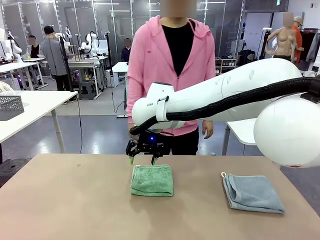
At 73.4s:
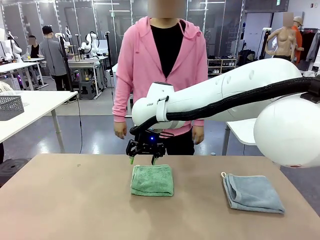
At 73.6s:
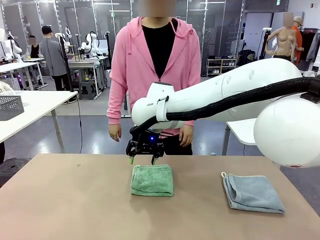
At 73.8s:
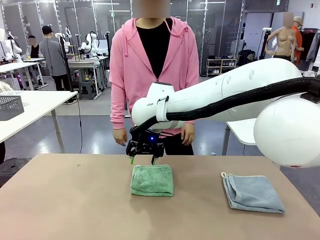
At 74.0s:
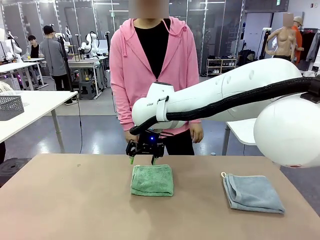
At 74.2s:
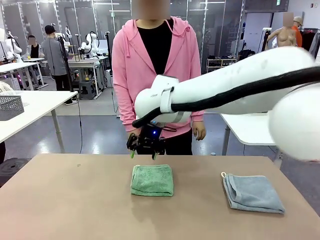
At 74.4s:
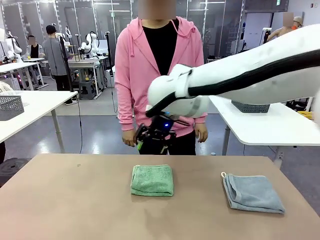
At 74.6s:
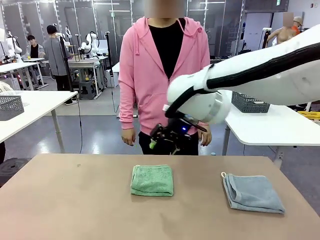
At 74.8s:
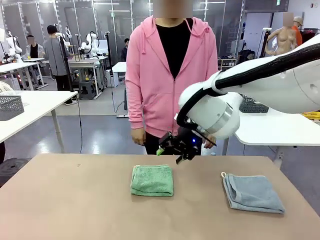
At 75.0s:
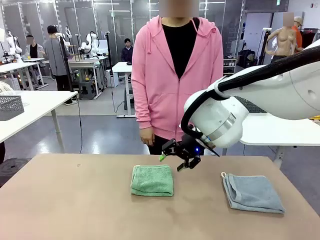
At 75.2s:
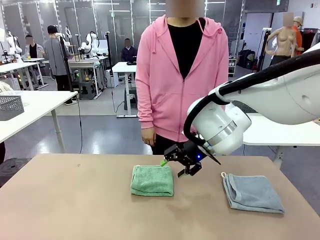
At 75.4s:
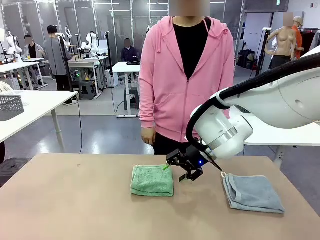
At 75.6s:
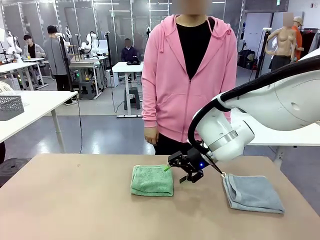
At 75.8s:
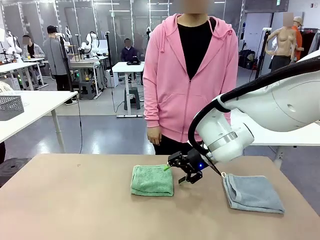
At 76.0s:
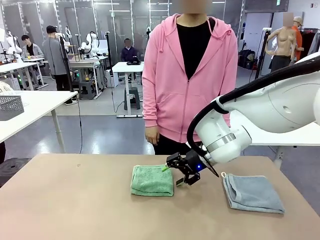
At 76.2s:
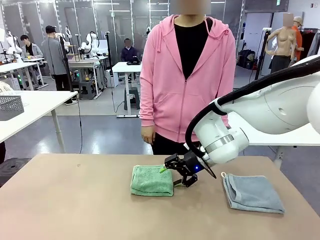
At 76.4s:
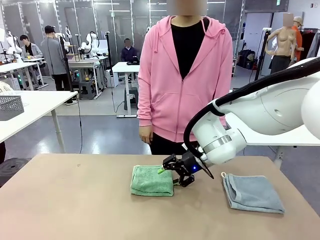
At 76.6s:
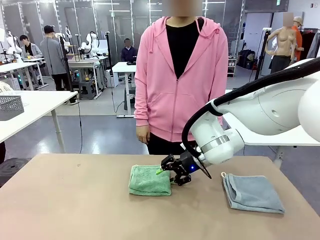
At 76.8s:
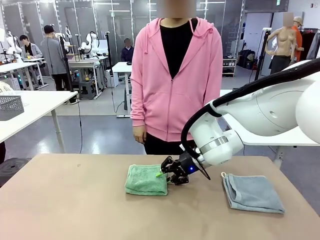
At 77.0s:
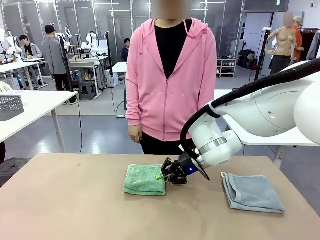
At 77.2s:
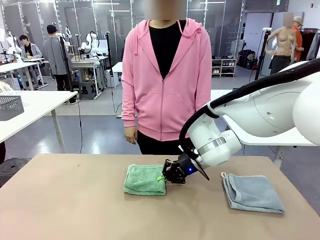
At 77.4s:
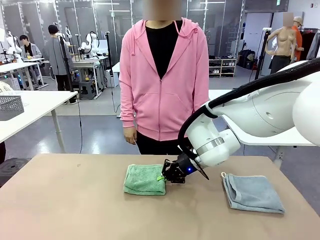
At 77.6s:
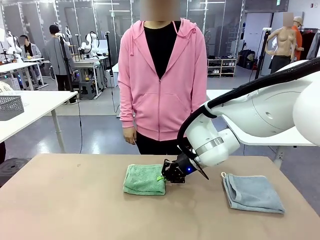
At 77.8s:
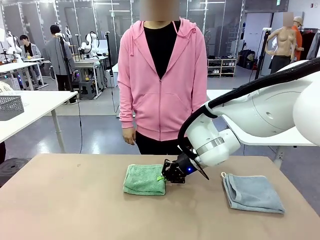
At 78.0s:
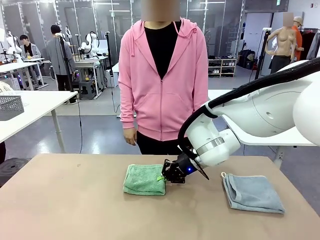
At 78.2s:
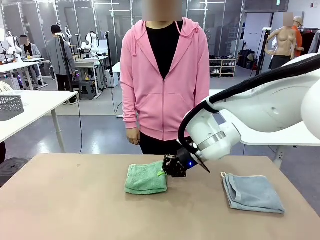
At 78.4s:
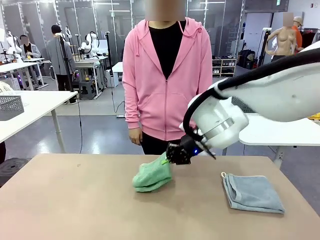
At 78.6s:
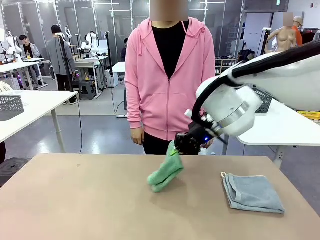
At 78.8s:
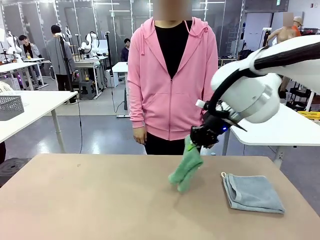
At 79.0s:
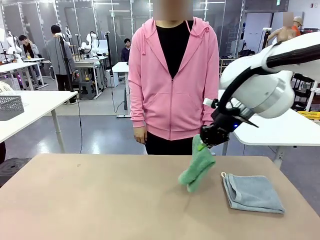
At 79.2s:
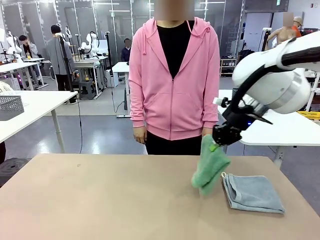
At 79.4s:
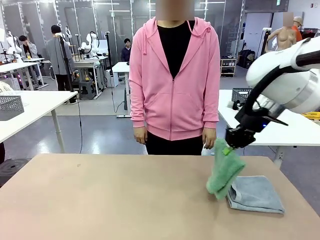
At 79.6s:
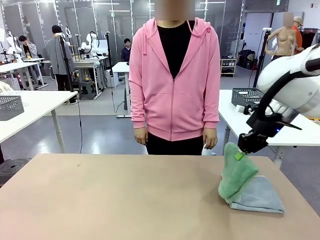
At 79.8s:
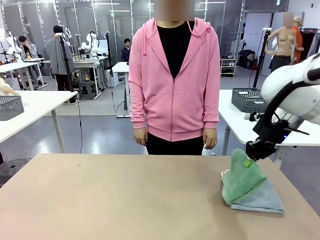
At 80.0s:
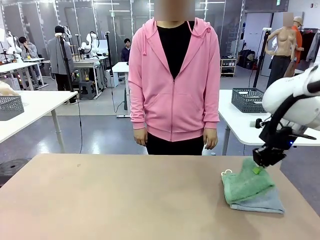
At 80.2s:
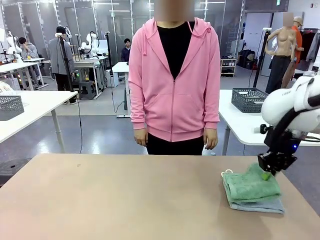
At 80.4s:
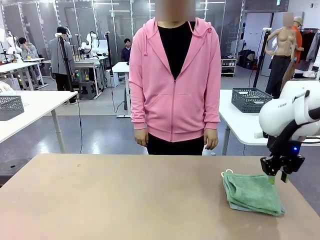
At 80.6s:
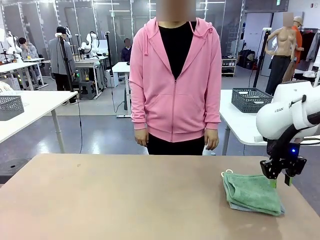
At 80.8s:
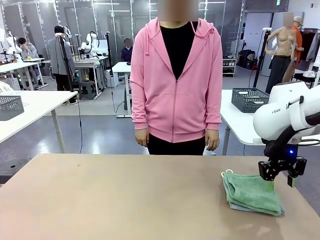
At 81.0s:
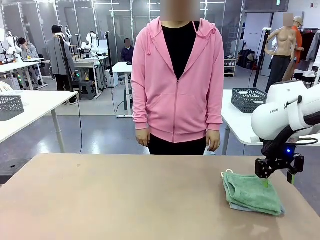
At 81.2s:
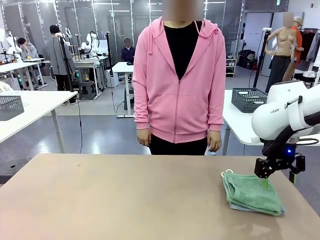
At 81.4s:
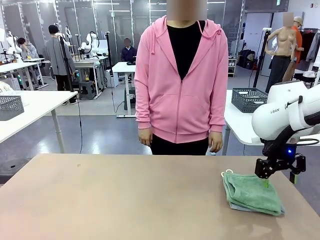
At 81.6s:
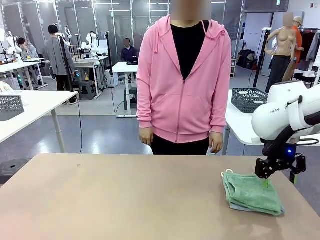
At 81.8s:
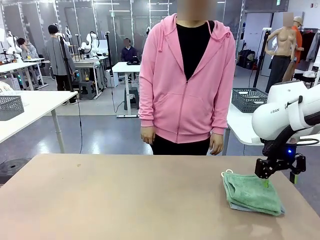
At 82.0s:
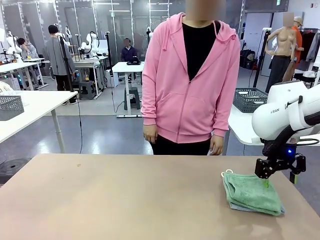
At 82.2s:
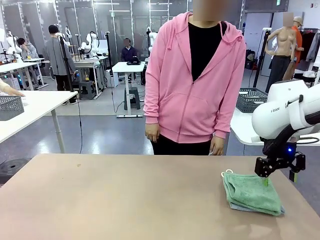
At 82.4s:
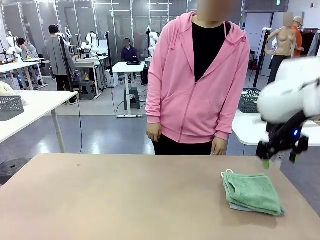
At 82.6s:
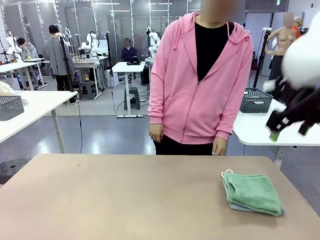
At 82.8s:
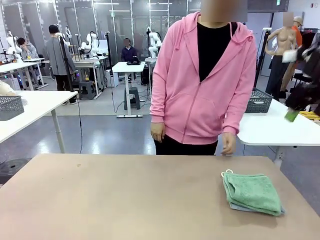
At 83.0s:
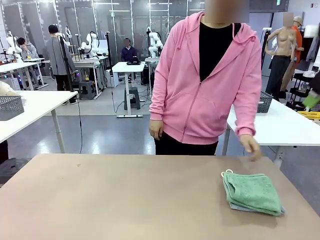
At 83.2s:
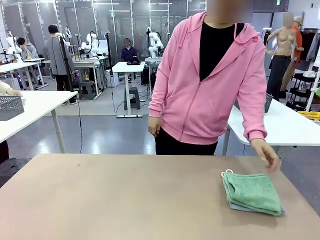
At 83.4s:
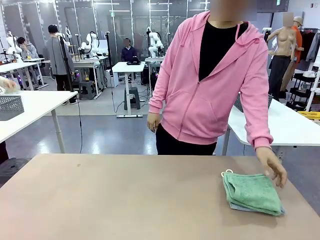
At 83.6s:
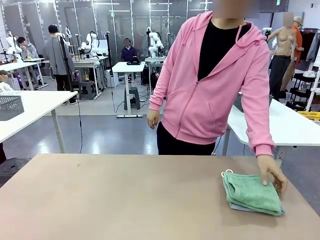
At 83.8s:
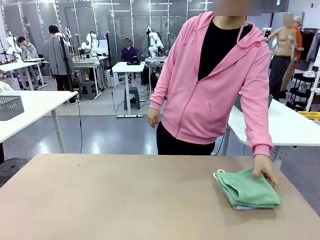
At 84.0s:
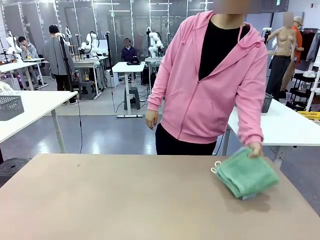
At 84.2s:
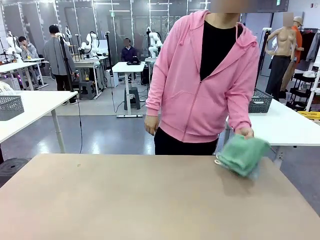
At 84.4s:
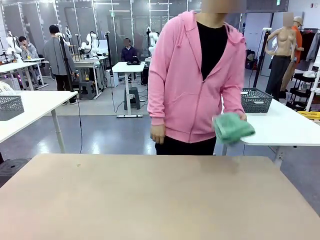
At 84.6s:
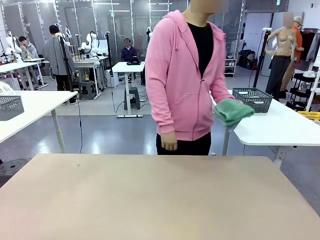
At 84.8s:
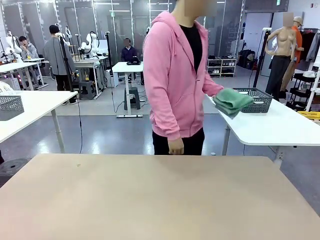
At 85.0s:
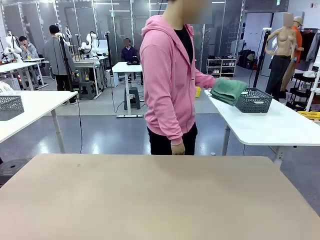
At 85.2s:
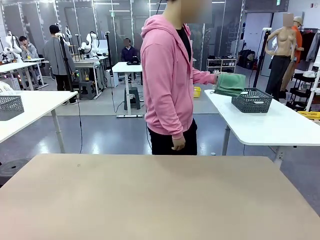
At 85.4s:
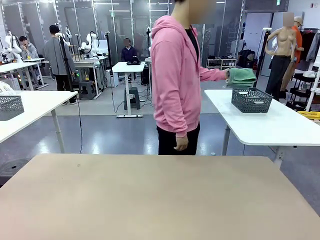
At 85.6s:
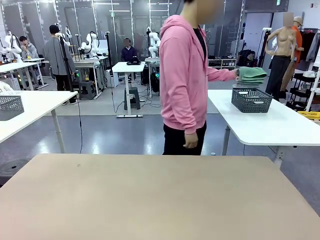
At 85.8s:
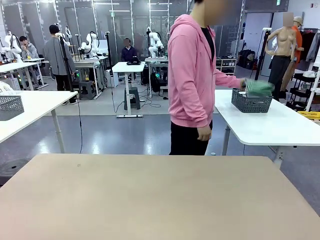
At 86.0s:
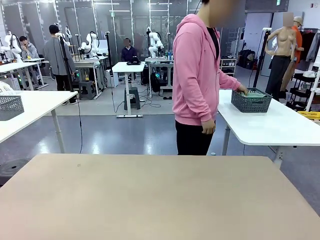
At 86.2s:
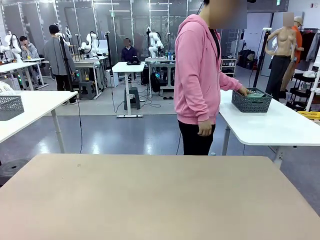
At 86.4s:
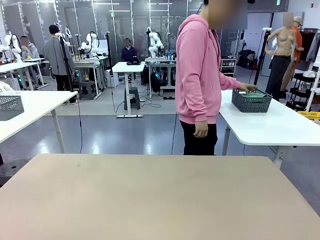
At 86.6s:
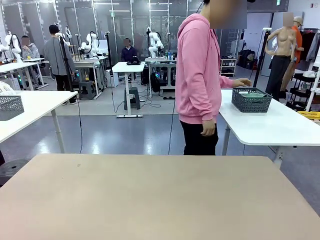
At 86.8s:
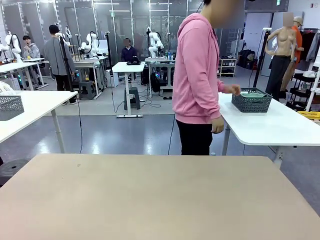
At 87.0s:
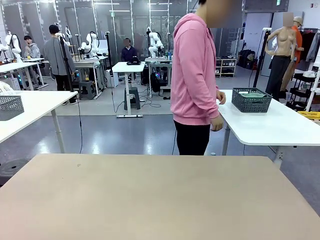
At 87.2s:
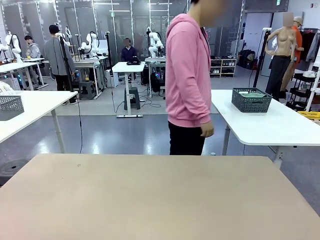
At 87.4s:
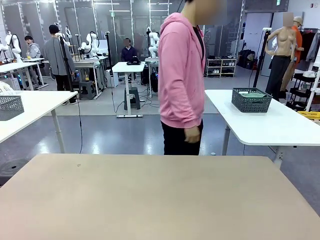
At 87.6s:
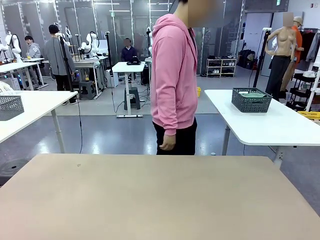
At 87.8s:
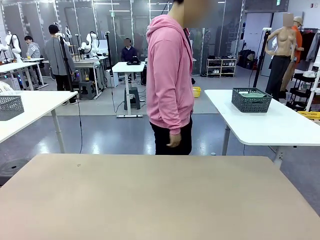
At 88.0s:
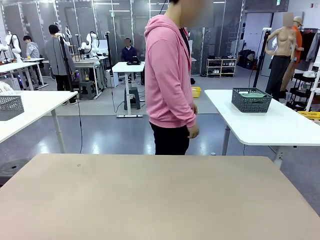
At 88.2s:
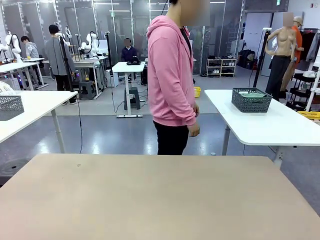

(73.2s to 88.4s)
Task: Fold the towels and place them in the basket.
Robot: Stack the folded Towel with hook on the right side of the table.
Person: Pick up the stack of towels from the robot table and place it into the basket.
